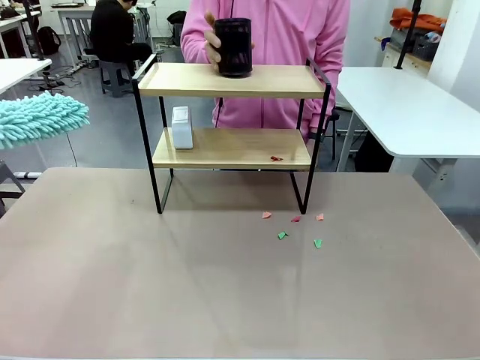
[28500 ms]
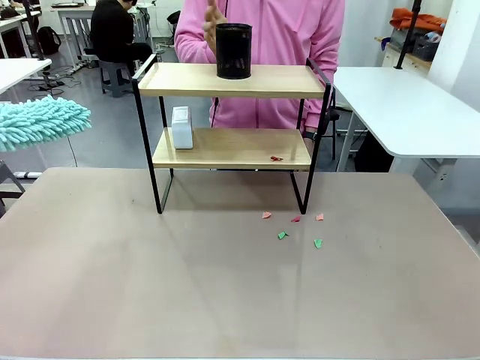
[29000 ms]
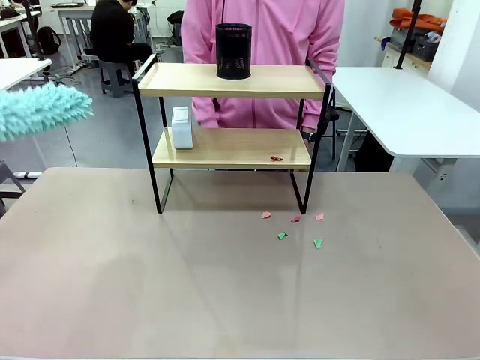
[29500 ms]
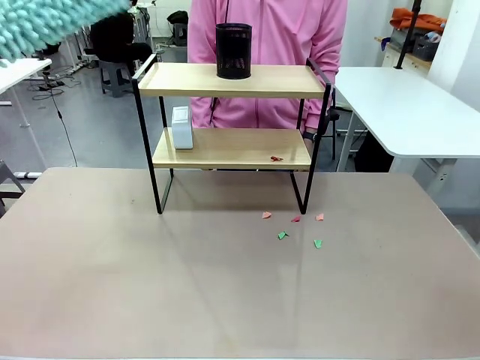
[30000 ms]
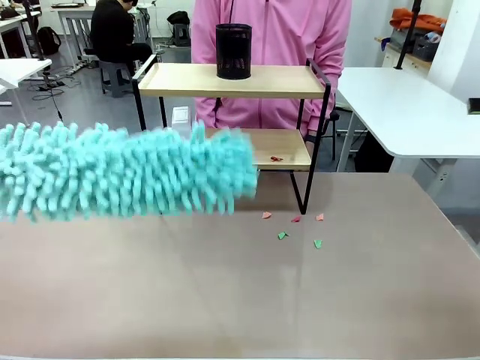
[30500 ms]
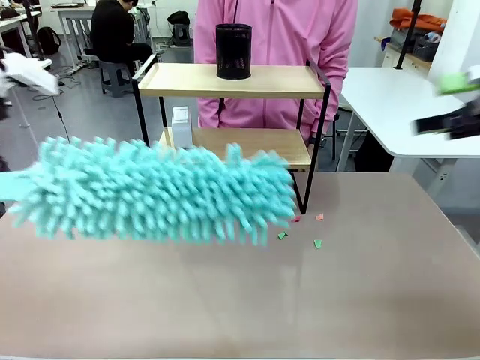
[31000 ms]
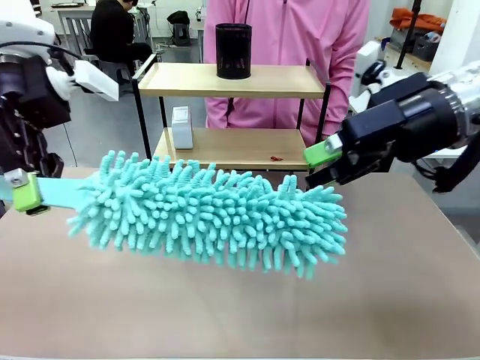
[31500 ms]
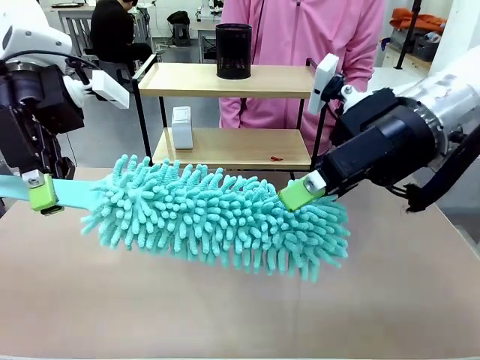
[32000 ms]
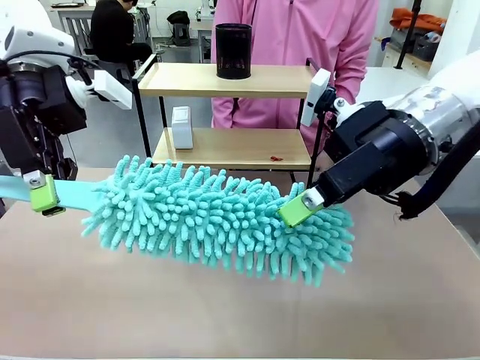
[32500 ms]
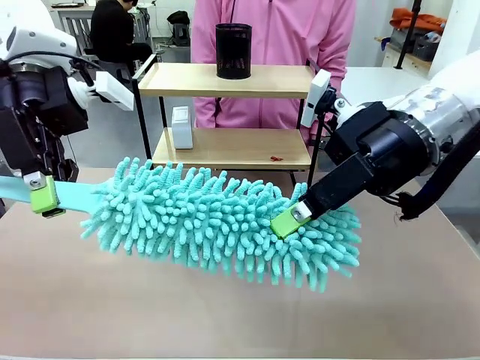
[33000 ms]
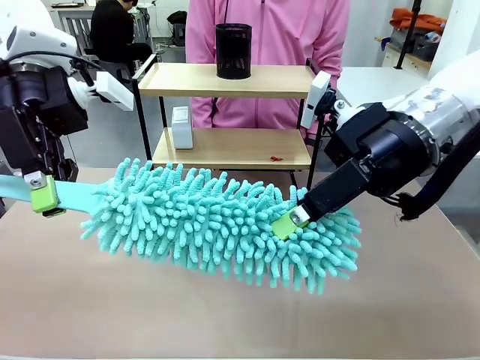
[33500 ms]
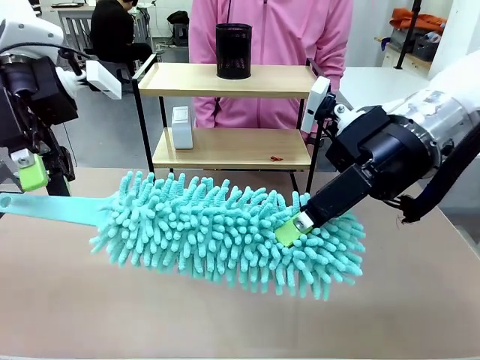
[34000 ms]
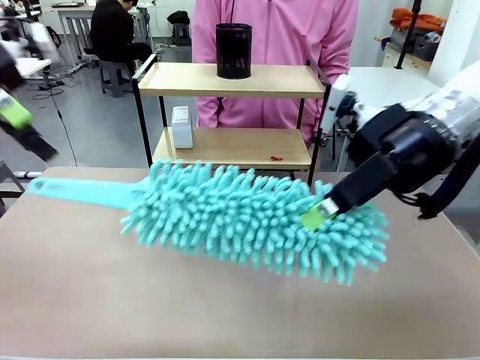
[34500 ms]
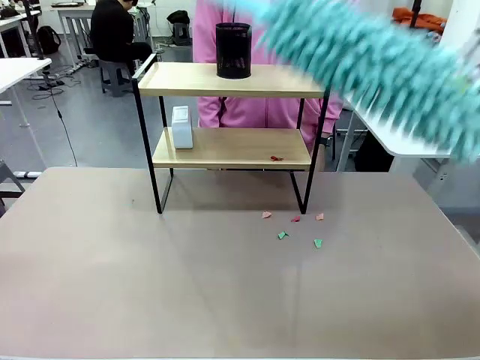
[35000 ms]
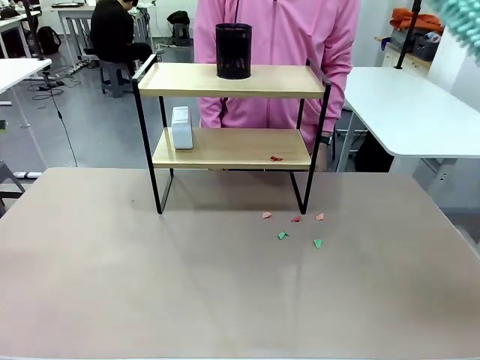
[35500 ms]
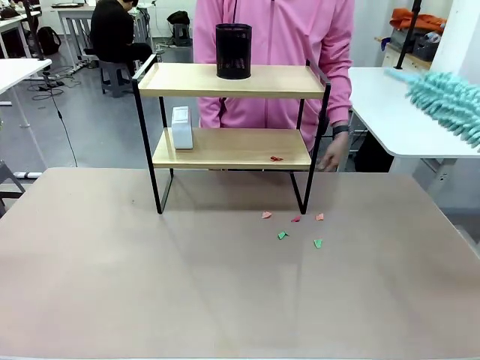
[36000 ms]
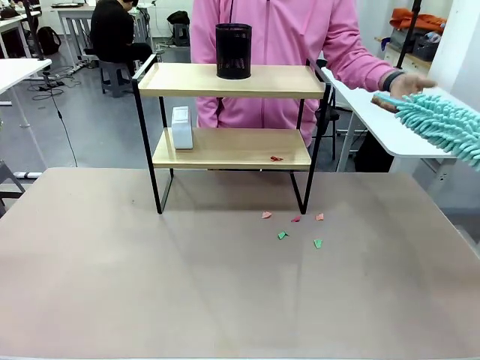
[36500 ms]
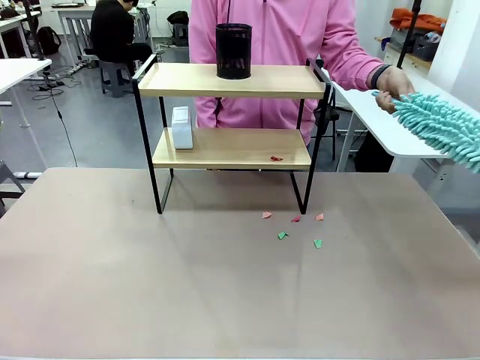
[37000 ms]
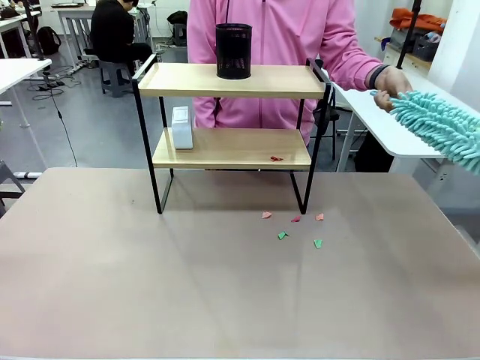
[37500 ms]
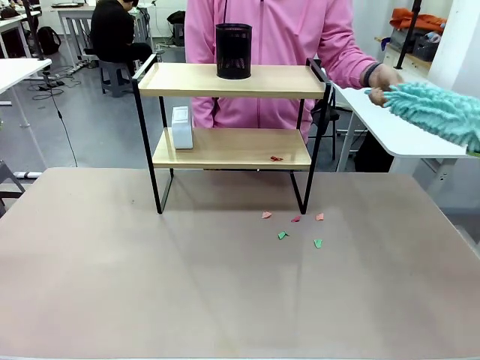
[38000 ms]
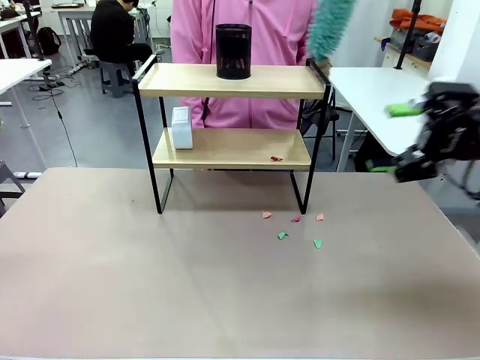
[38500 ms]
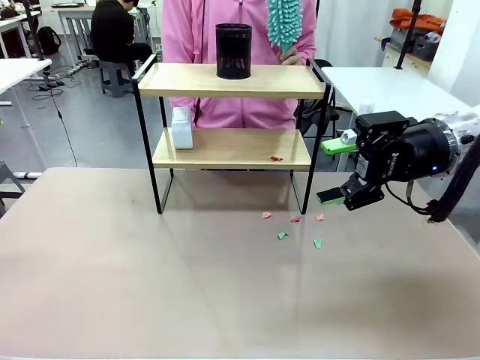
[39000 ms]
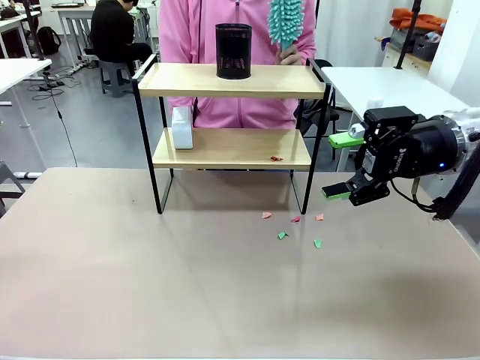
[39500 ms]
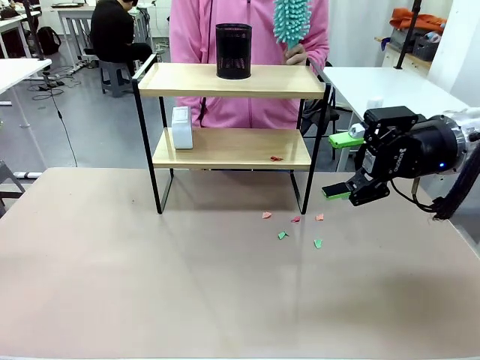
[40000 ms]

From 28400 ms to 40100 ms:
Task: Clean the shelf.
Robot: Hand the Duster back to the human.
Person: Receive the Duster from the robot.

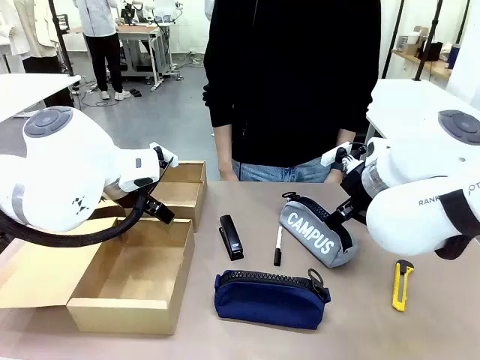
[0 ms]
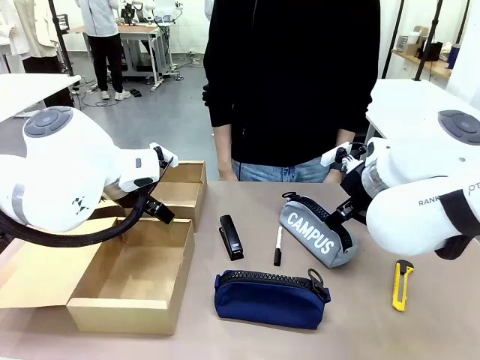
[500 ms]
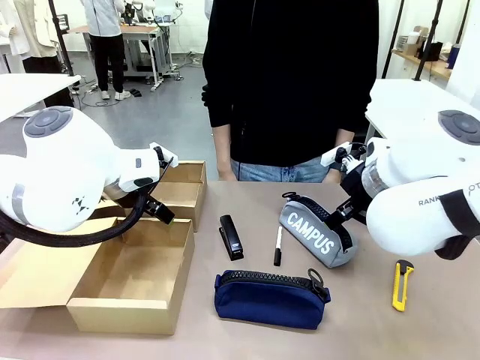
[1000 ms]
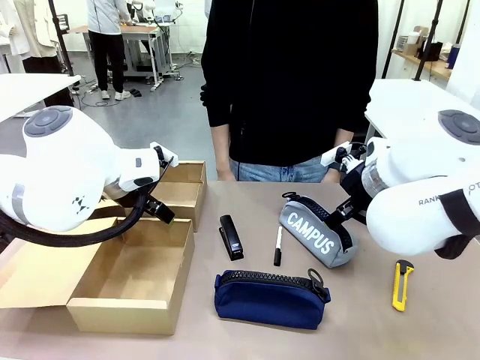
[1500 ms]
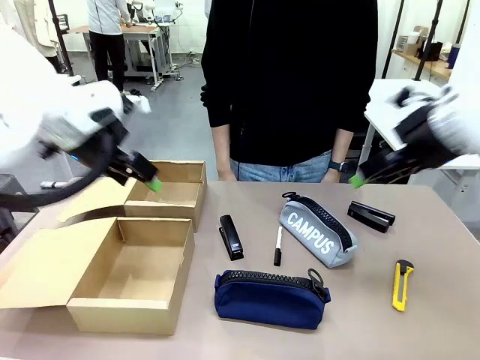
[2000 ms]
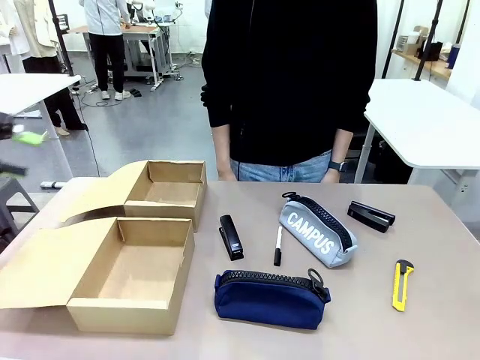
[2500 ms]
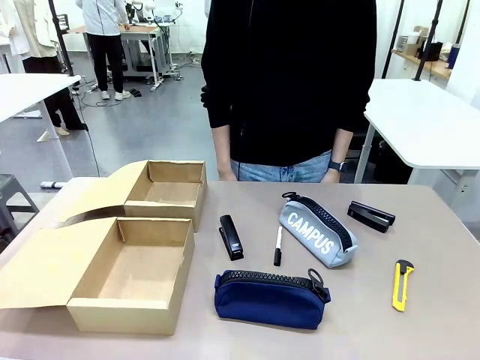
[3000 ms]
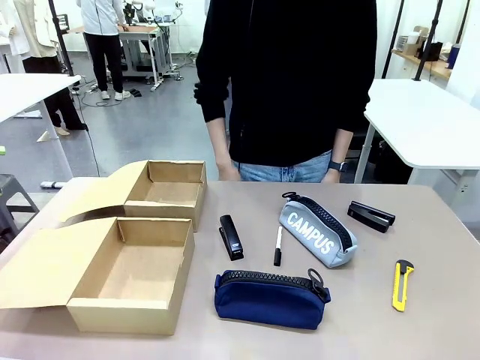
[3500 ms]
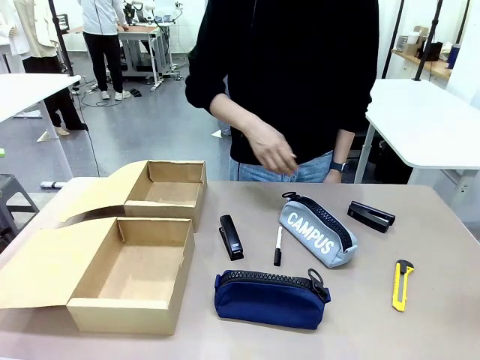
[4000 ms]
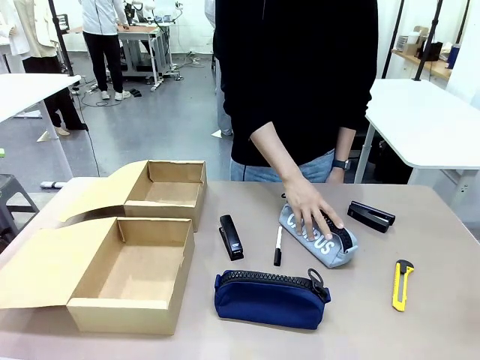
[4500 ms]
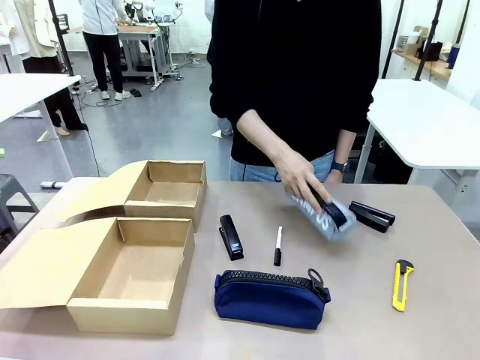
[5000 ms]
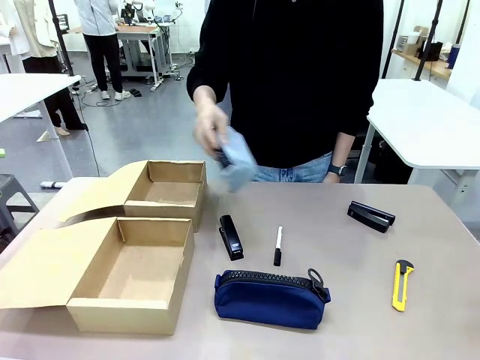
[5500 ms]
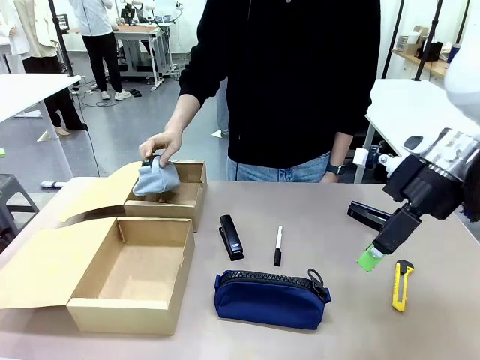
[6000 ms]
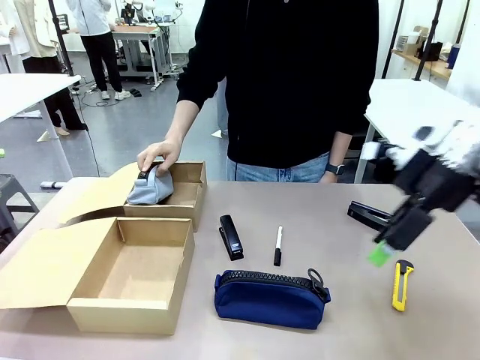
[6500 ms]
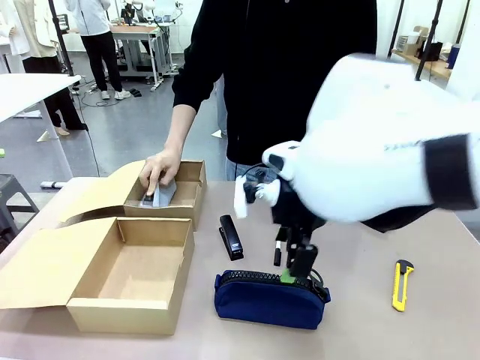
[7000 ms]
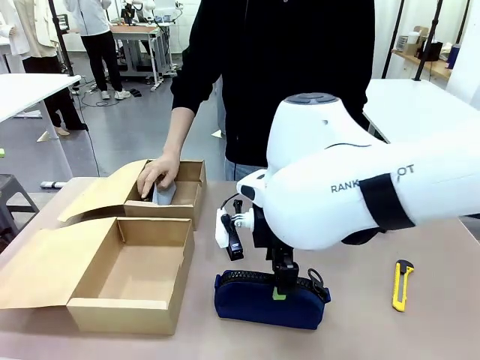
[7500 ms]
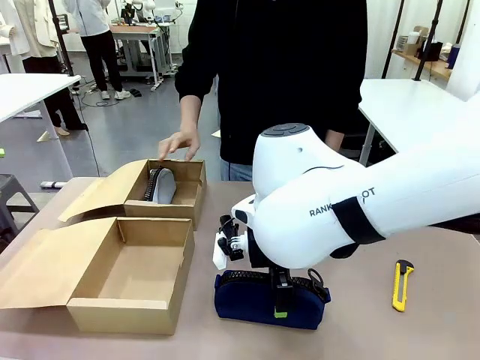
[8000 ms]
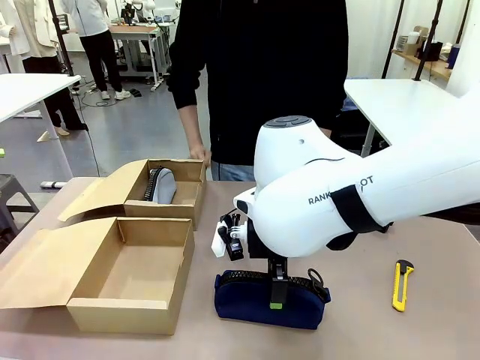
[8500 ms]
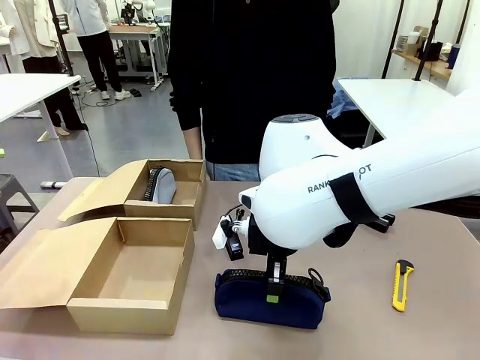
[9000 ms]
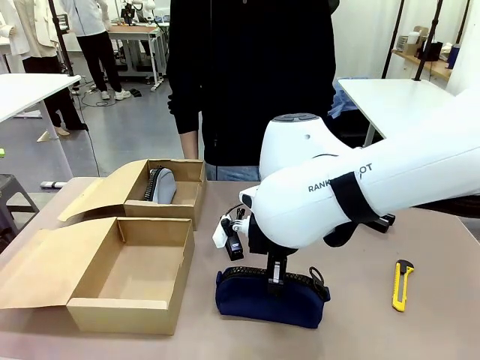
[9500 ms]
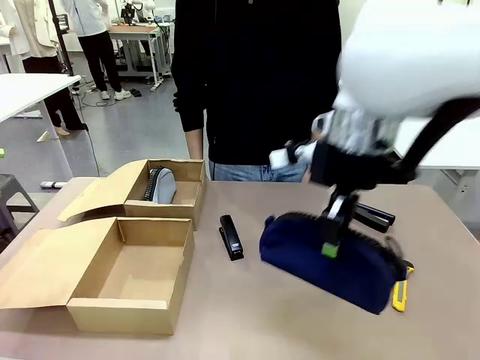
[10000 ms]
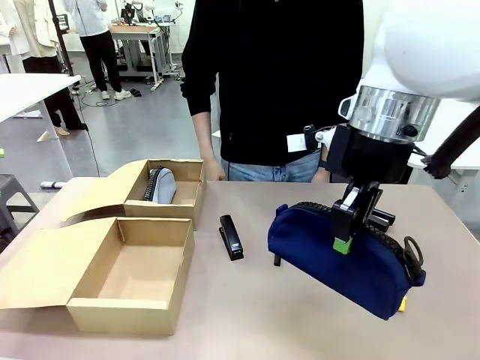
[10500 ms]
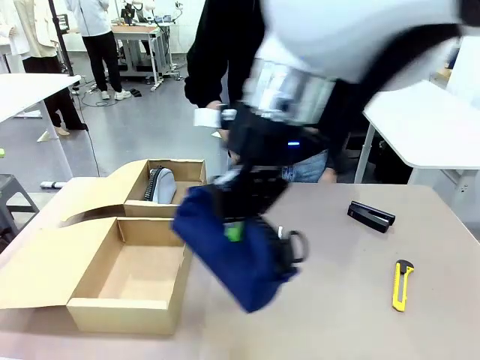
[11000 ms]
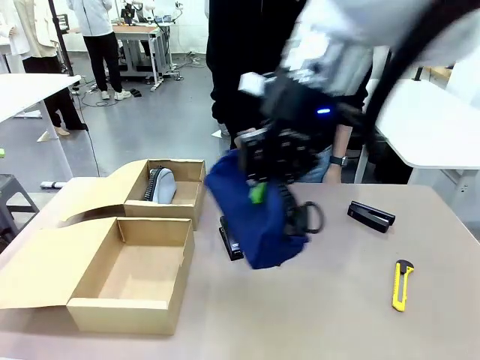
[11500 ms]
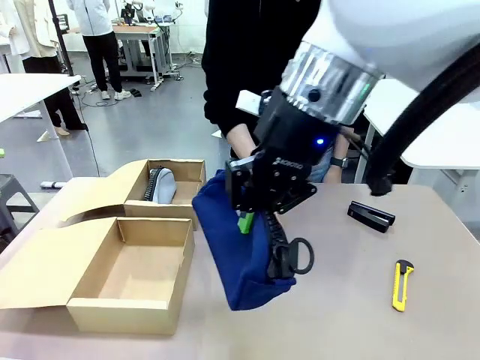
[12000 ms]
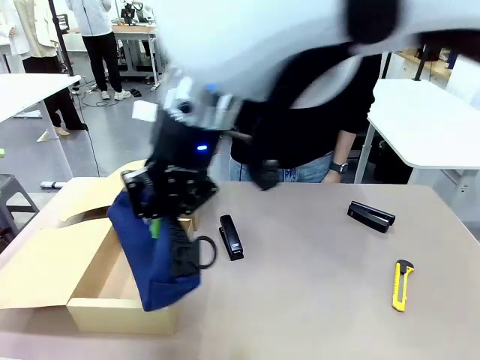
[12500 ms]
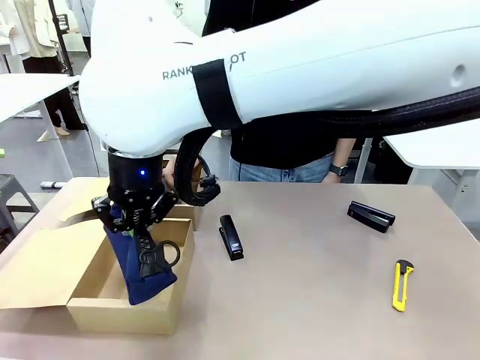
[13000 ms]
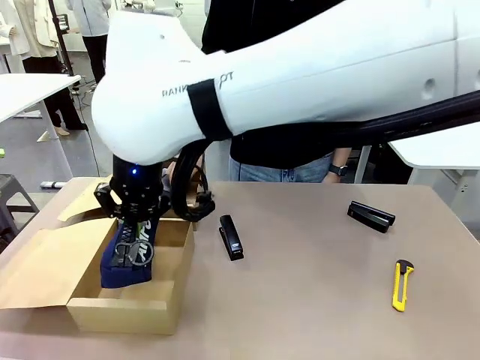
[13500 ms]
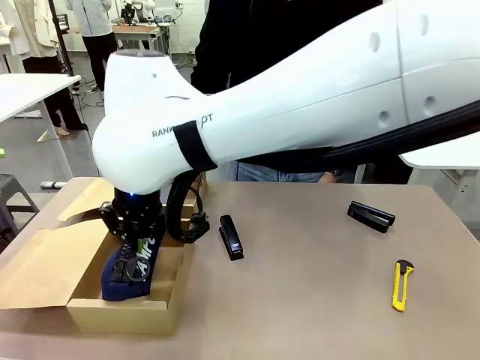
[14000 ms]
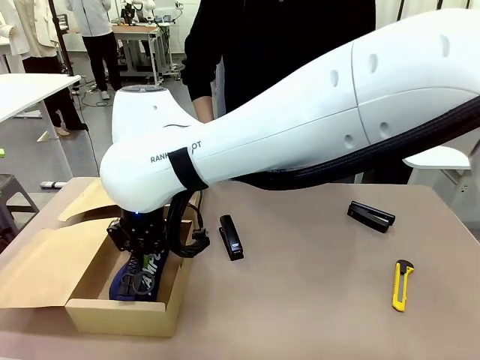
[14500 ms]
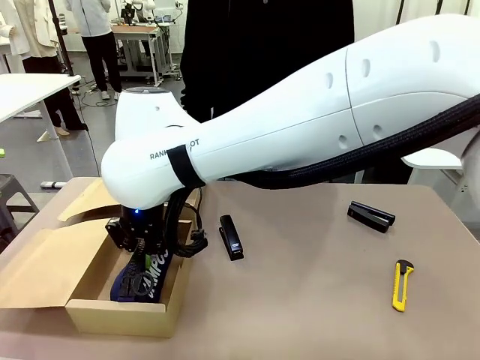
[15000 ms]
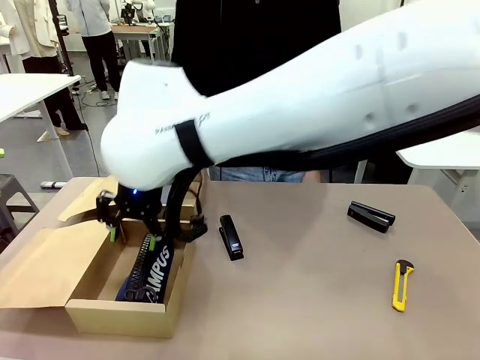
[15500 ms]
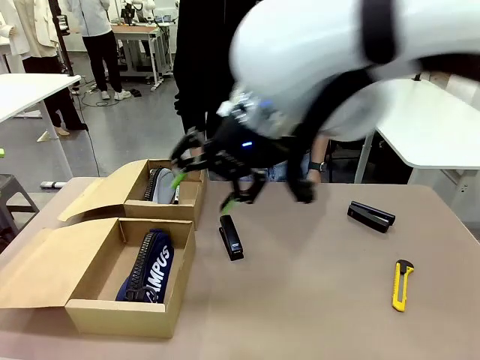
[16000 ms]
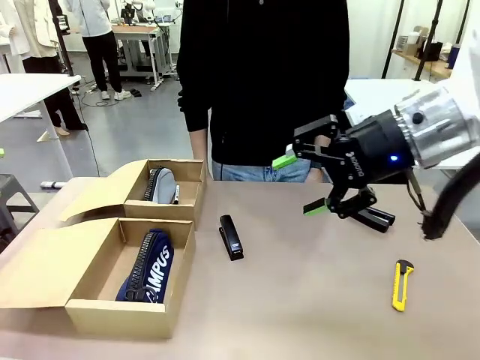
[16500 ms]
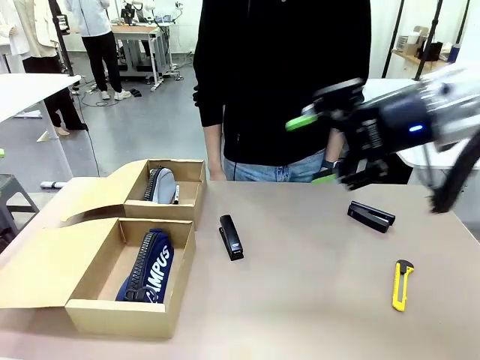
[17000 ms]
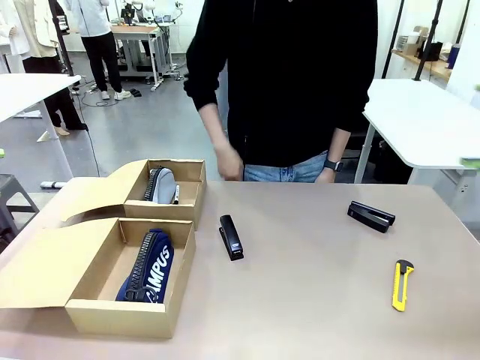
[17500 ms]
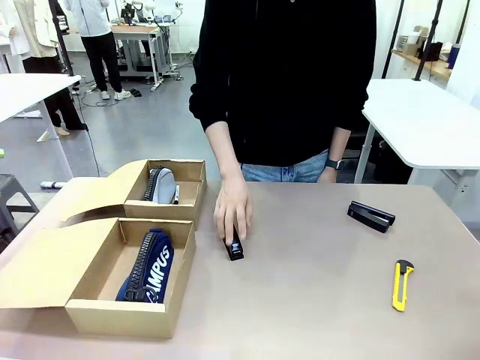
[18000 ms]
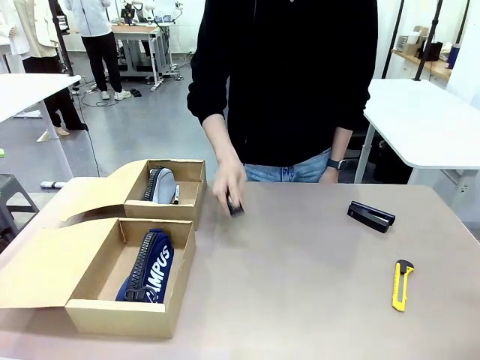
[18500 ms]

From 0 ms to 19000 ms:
Task: Place items inside the box.
Robot: Pick up a Pencil pouch or Stapler and place it inside the Mailer Box closest to the robot.
Person: Pick up an object on the table and put it in the box.
